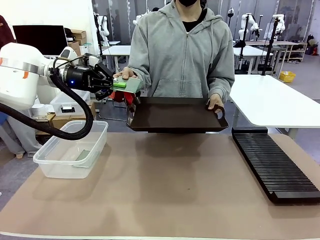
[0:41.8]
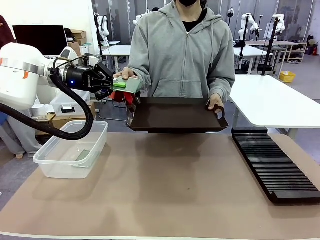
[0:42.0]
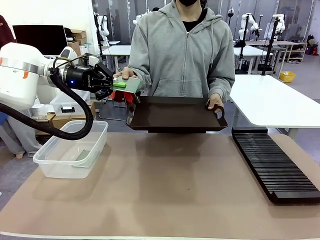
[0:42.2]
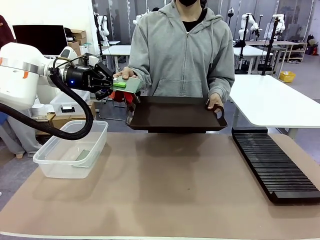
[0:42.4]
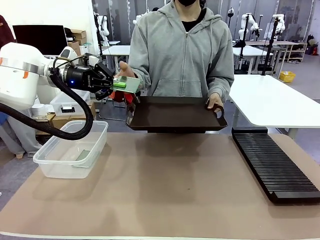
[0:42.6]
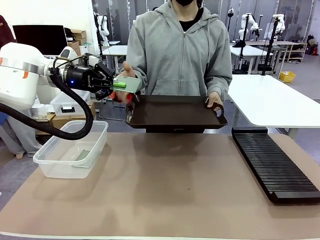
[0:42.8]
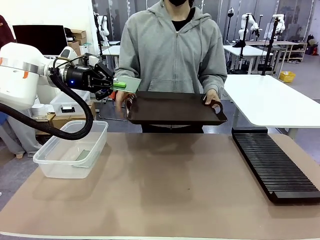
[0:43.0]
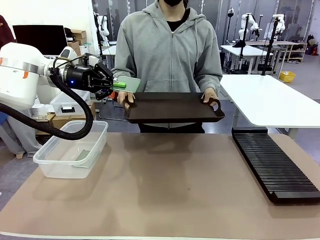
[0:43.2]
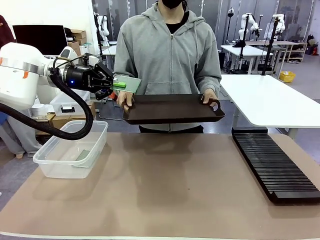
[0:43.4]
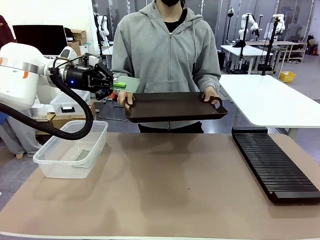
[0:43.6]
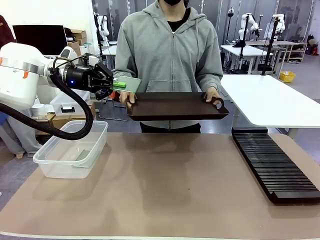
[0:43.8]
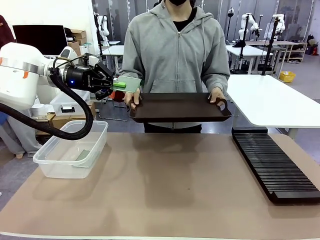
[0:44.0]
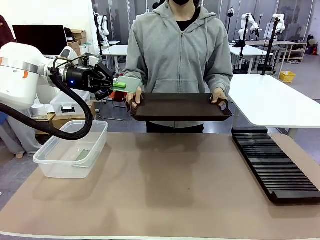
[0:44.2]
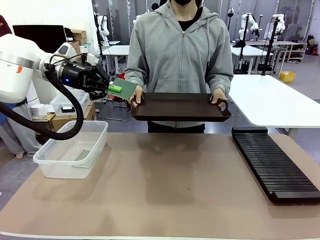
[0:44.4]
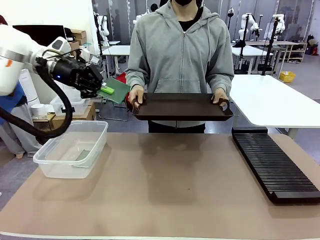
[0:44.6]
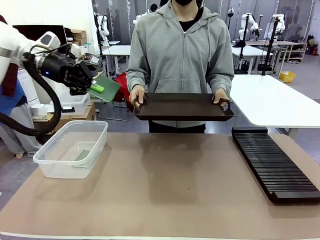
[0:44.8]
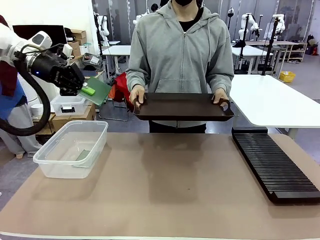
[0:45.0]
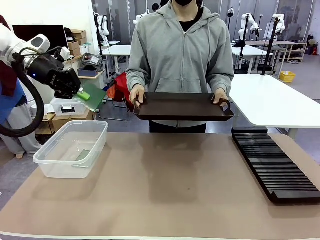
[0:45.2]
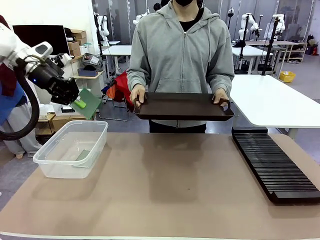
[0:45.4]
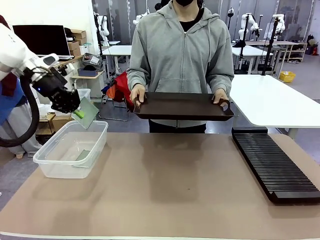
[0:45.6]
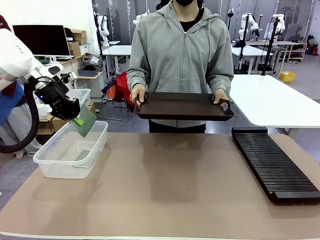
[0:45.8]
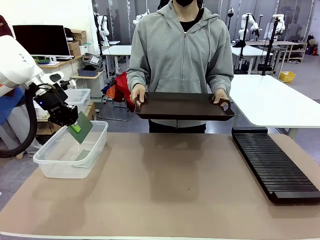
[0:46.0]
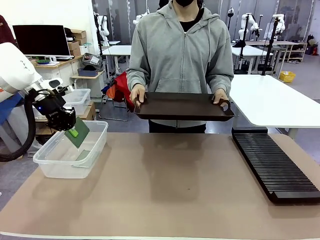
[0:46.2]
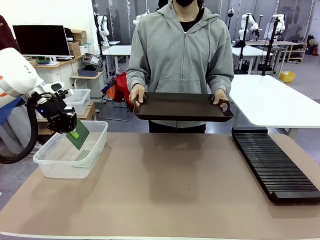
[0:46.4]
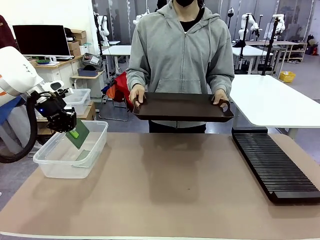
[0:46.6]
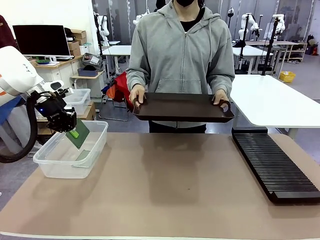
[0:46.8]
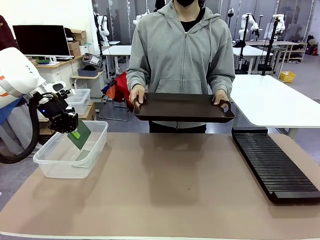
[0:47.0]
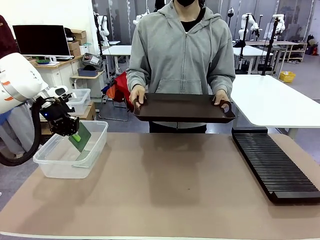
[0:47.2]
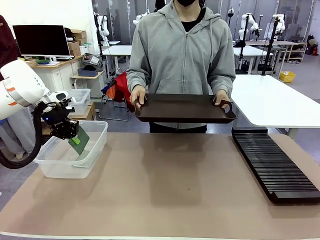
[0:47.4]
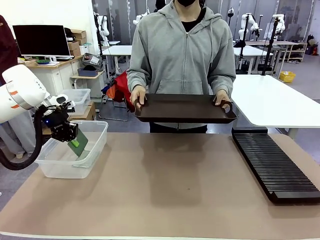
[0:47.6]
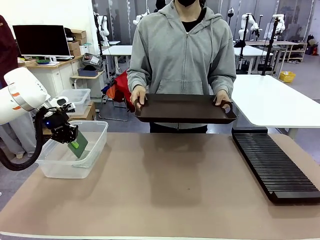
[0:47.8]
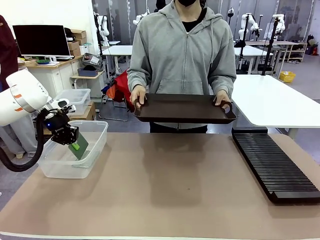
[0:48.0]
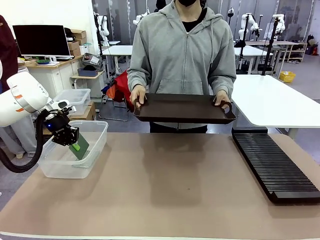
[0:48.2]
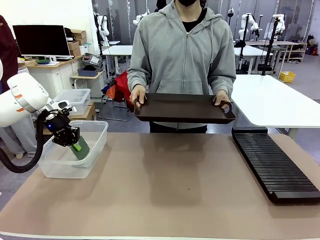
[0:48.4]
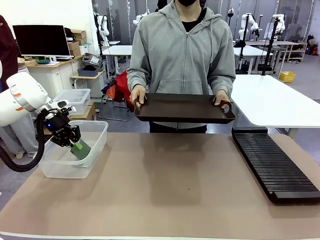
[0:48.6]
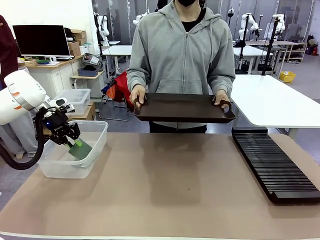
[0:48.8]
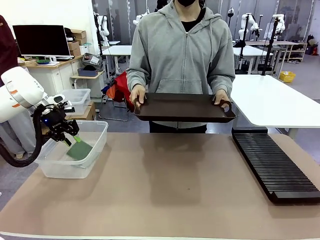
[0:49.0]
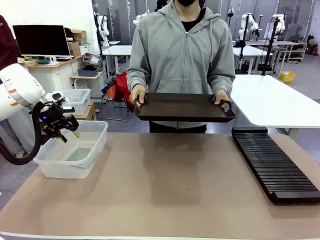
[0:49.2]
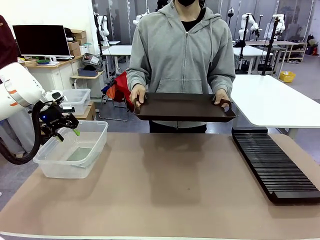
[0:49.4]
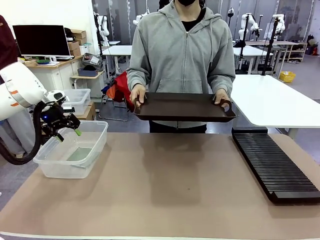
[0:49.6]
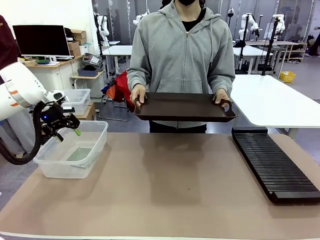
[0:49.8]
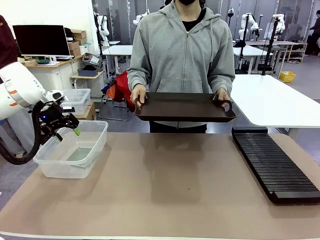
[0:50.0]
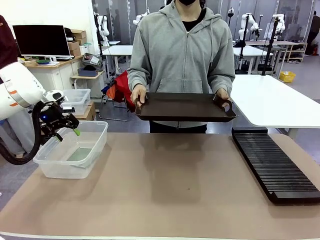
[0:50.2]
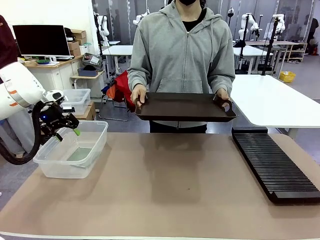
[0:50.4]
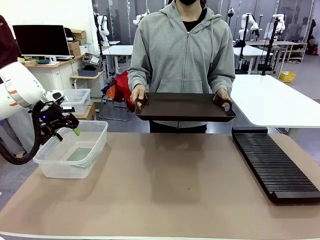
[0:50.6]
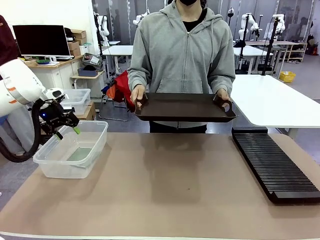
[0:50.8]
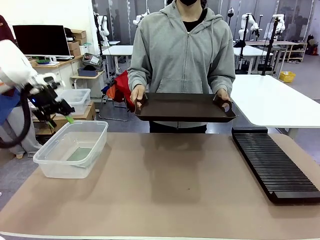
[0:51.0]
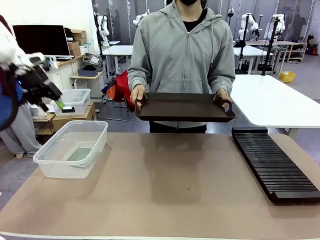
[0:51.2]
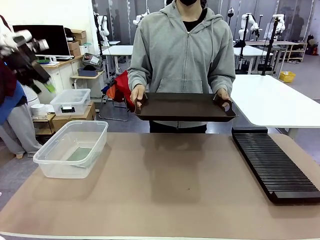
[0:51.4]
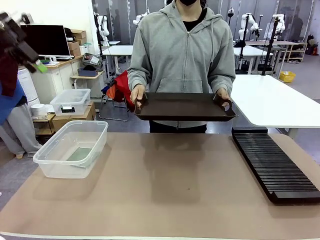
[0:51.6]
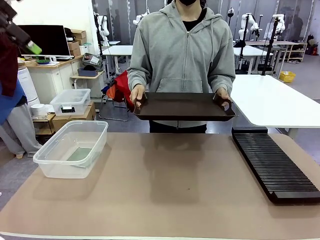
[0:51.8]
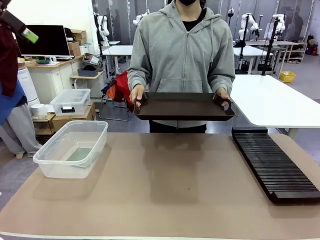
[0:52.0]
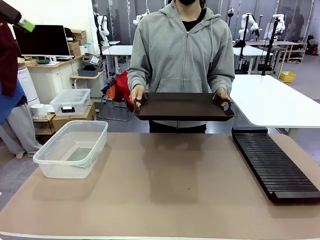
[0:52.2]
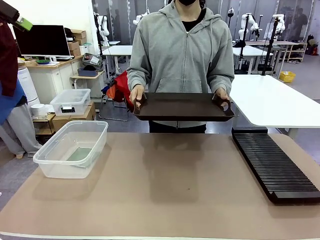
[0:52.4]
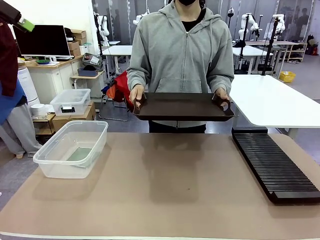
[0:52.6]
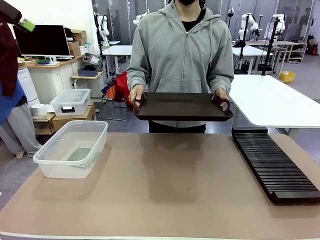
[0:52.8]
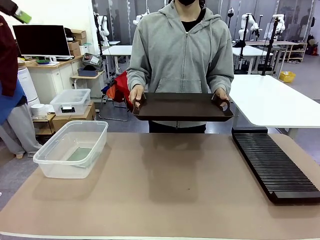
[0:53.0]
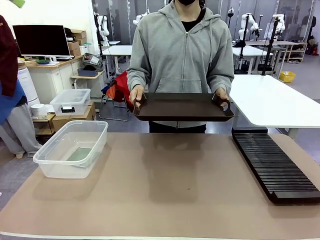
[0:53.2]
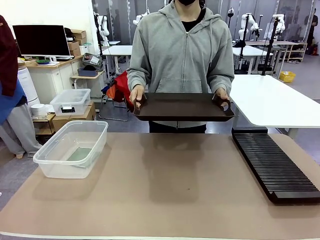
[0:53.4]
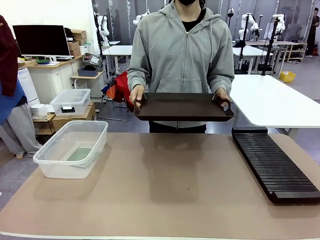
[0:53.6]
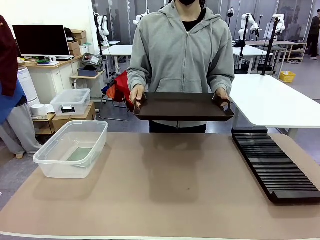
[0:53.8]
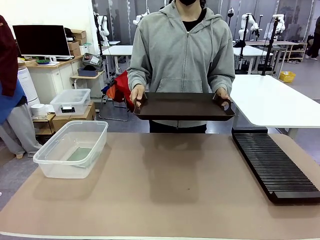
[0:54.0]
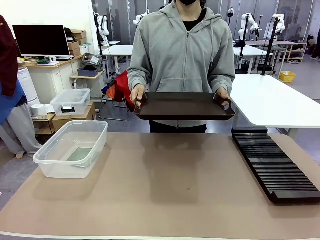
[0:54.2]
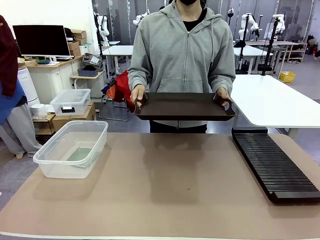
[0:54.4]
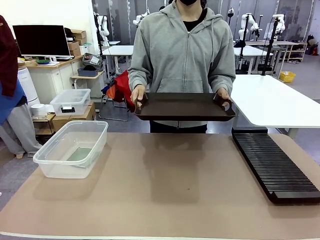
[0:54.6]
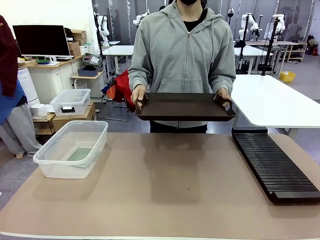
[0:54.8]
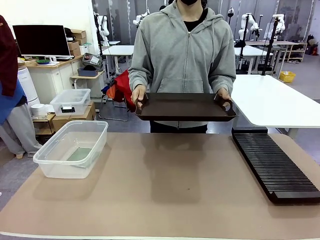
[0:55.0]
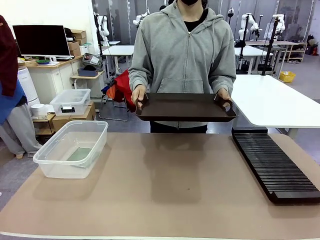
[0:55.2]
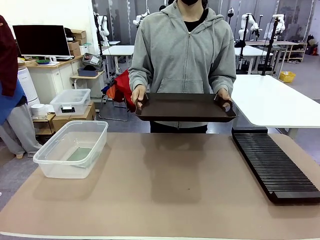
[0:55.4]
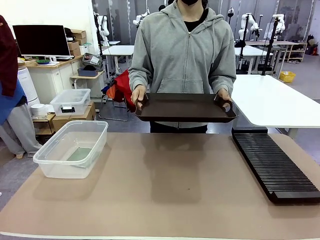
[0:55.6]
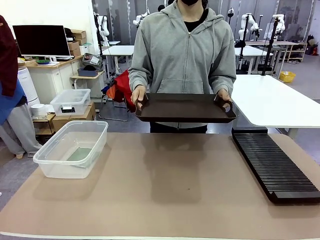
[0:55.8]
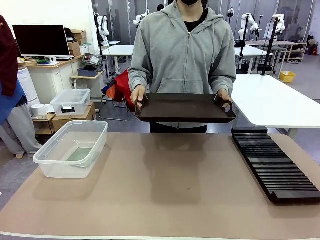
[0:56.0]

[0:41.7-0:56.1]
Task: Sort PCBs into racks and boxes based on the side picked up.
Robot: If the short side of the Blank PCB is picked up, insert it into the PCB Rack ; if the long side is picked up, place it in the Organizing box.
Person: Release the PCB being held.

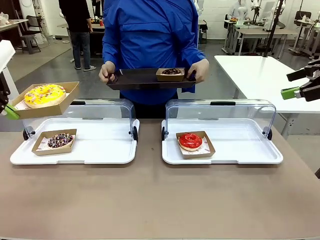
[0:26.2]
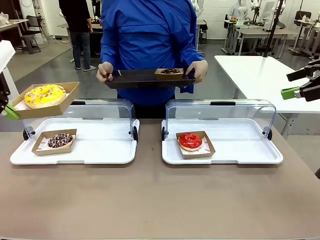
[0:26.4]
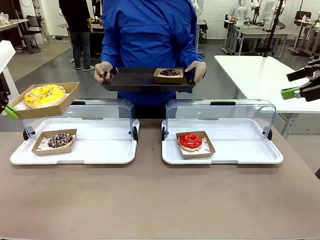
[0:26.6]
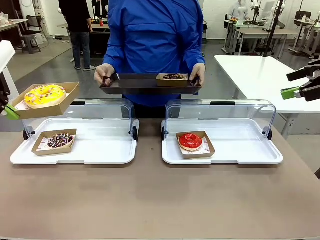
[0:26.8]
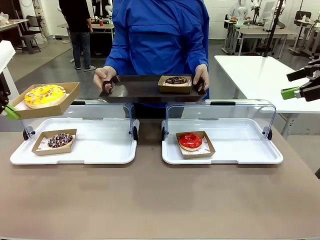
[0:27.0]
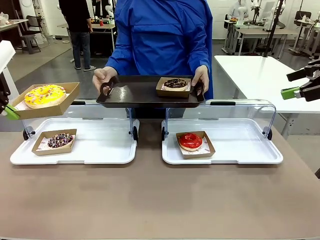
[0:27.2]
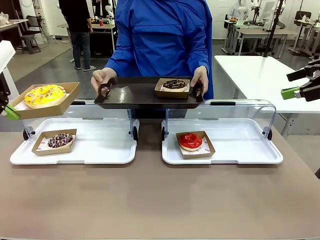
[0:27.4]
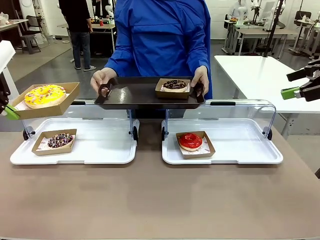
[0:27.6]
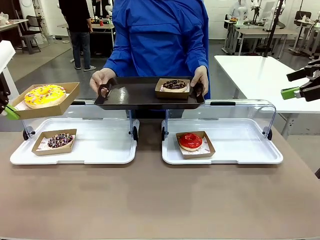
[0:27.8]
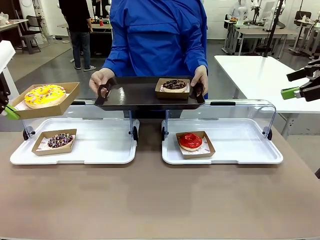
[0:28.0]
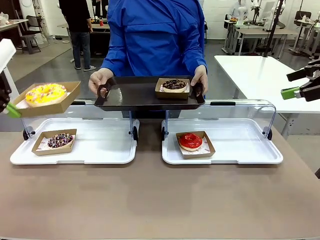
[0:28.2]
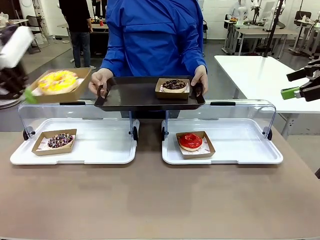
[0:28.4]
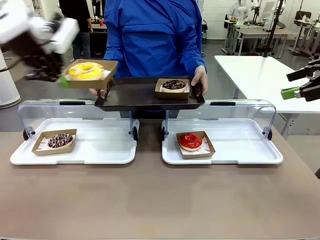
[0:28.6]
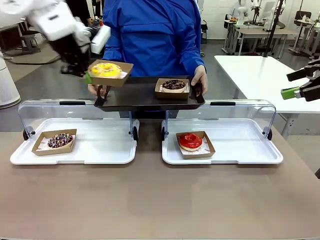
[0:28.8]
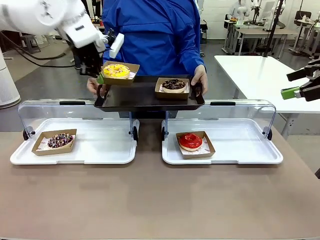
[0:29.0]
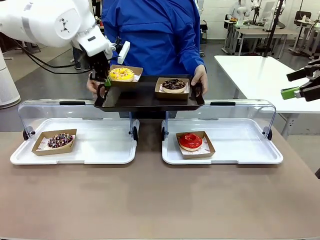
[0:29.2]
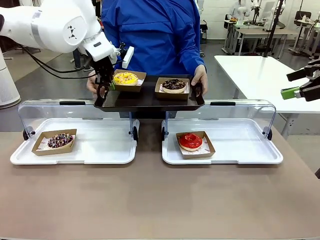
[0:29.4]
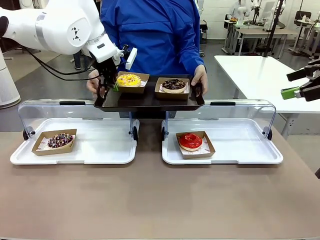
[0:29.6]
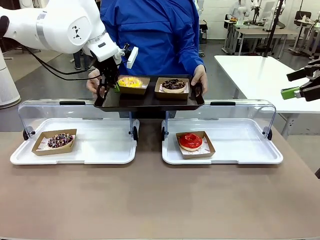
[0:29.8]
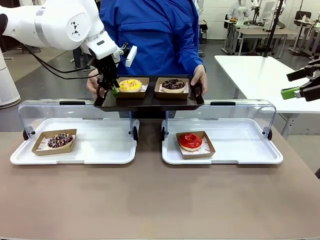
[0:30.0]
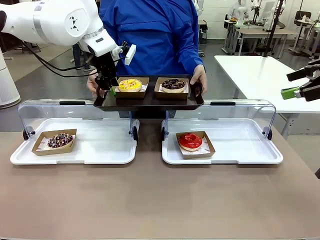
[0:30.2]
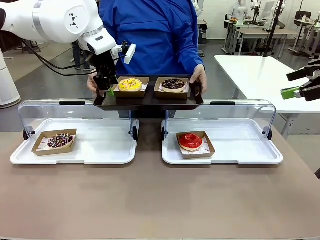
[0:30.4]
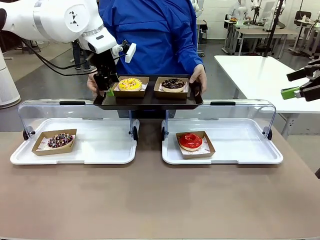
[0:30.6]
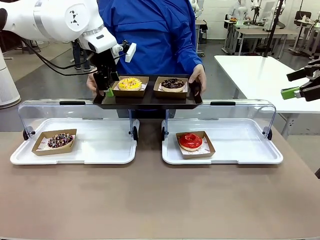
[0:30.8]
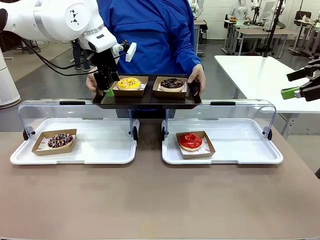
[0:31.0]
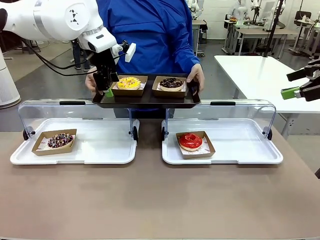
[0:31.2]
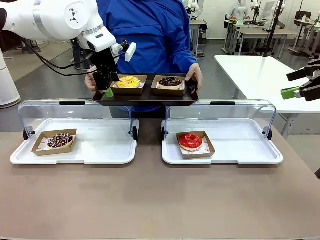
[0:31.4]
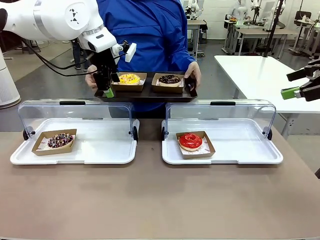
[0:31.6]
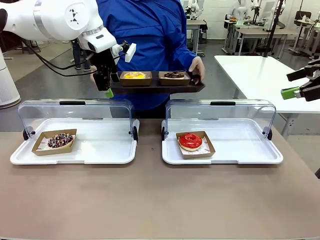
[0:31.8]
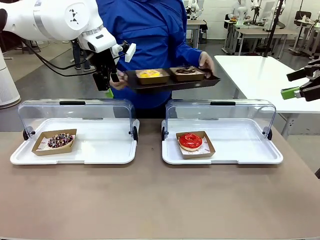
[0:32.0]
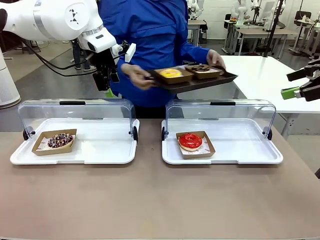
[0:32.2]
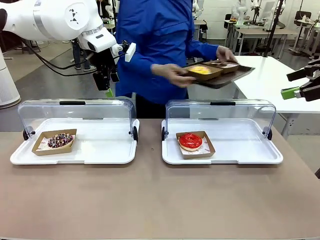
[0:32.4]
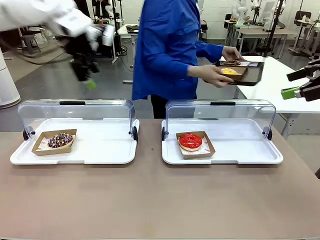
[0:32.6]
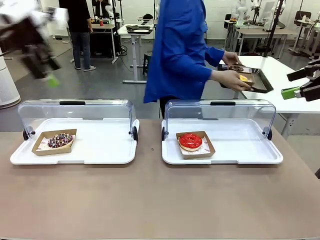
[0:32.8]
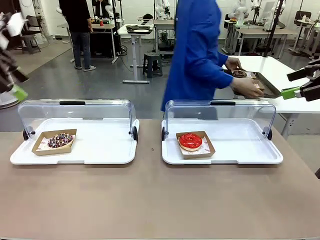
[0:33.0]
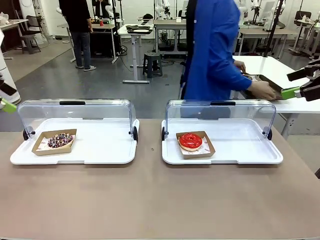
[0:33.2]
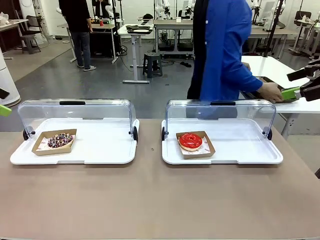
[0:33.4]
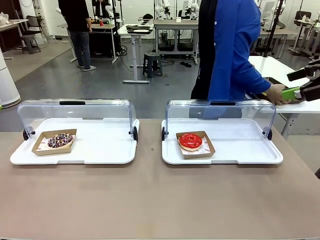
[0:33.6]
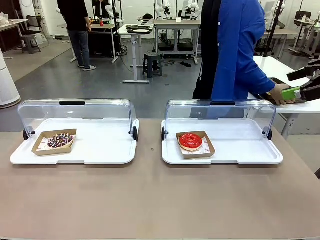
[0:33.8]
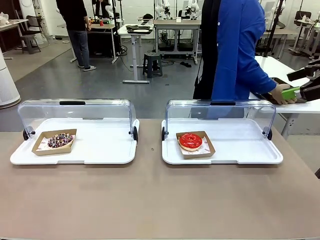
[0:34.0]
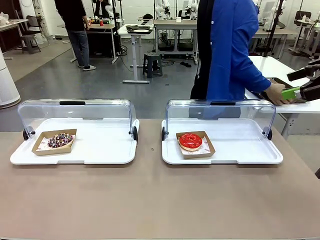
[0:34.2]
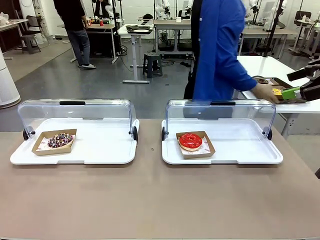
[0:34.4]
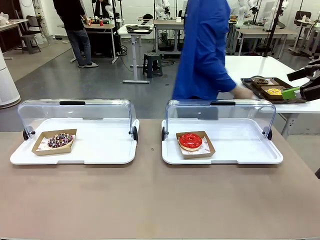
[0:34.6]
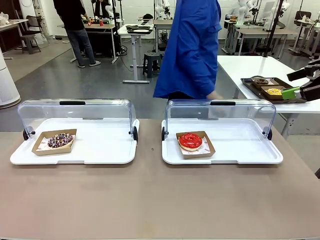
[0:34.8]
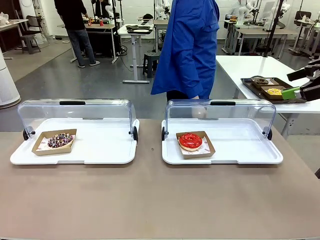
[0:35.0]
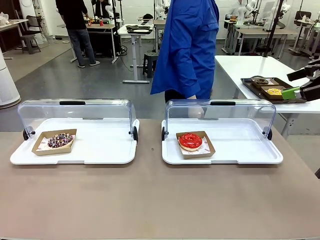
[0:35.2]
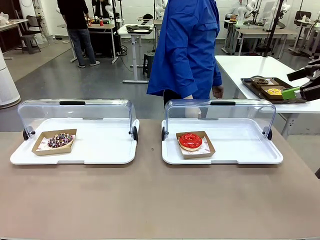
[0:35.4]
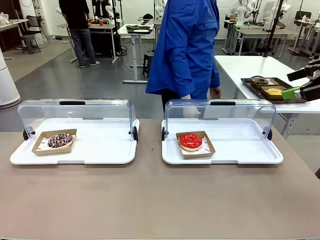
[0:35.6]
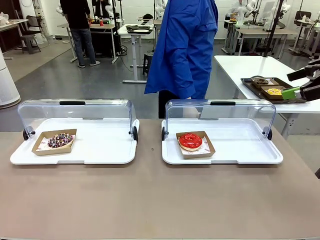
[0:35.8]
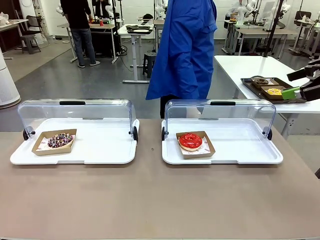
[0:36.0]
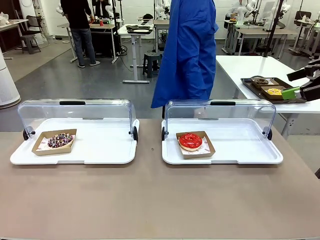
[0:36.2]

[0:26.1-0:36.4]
Task: Provide the desired donut to the person.
Robot: Place the picked Paper togo box onto the Handle tray extended by the person.
Person: Place the tray in the middle of the human table.
